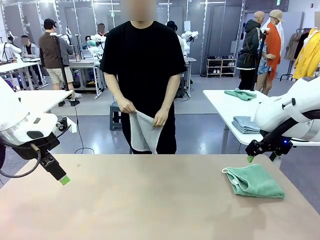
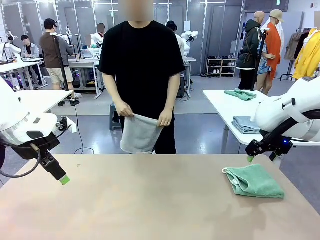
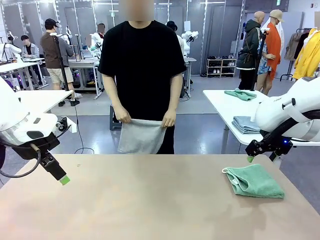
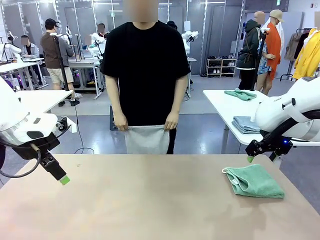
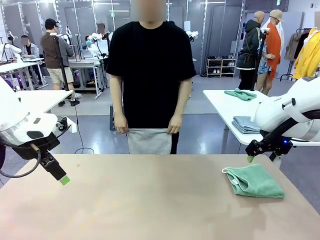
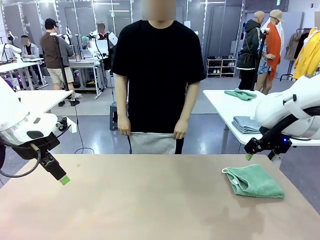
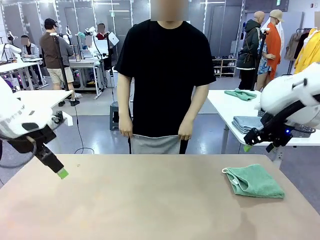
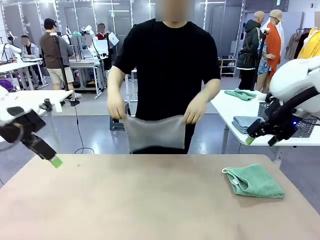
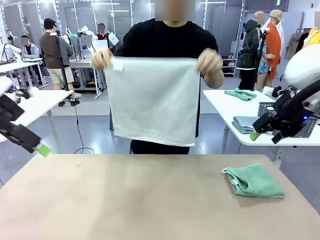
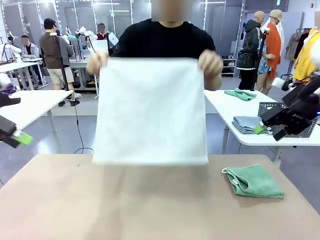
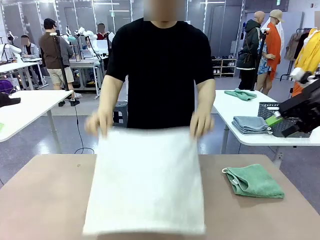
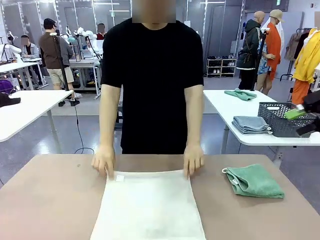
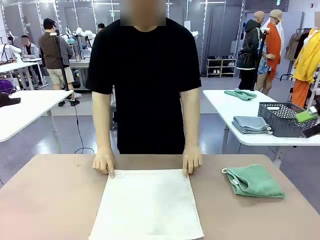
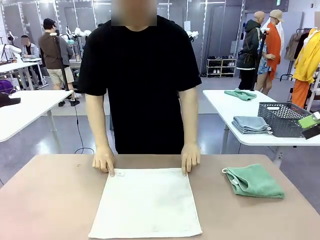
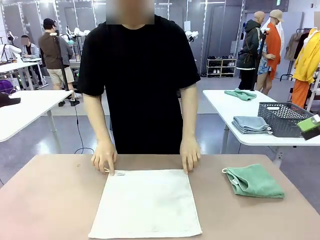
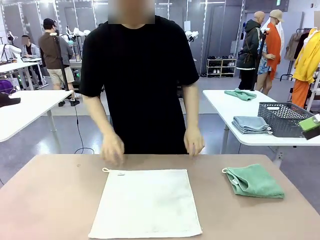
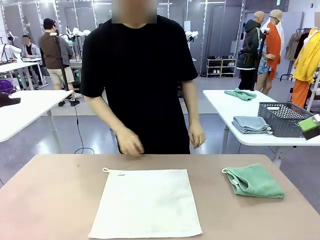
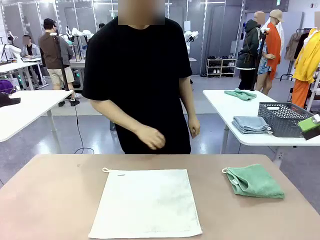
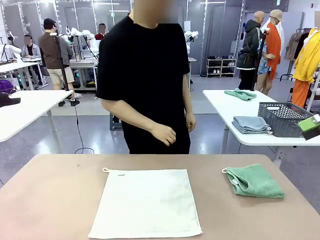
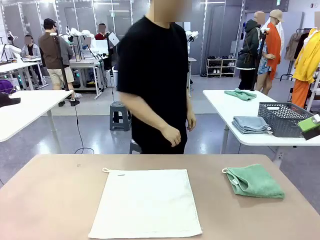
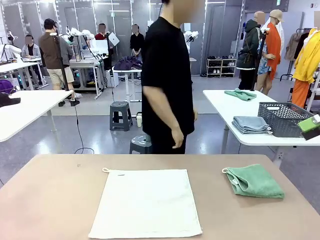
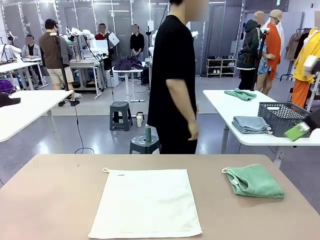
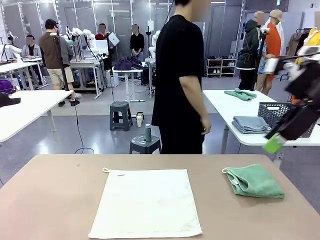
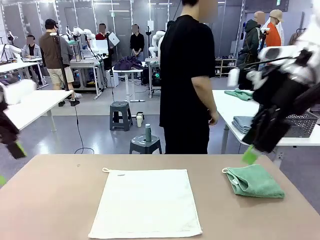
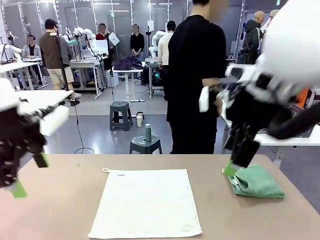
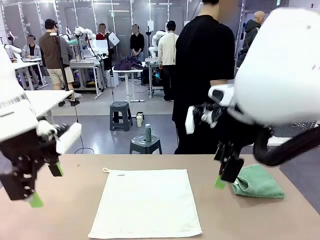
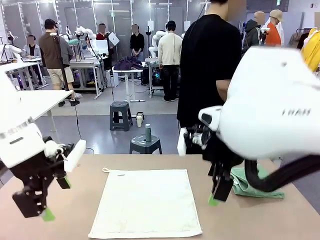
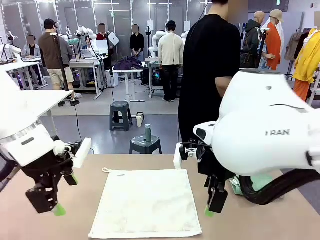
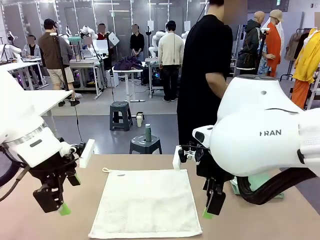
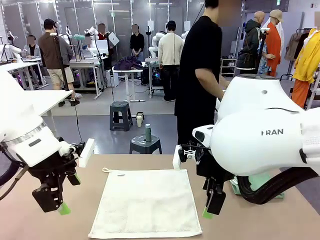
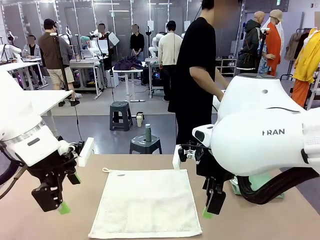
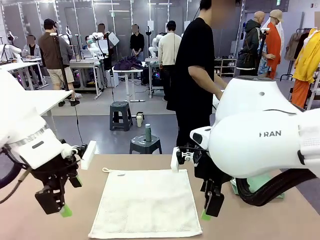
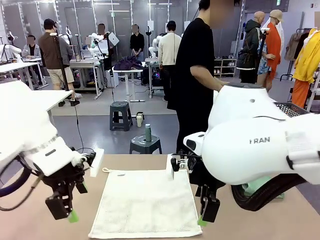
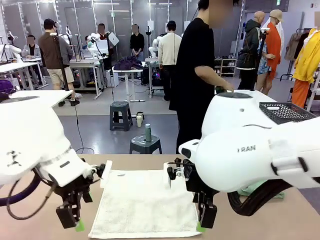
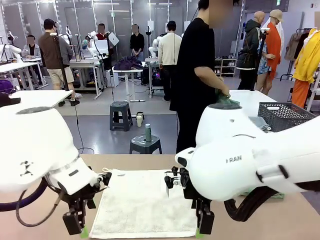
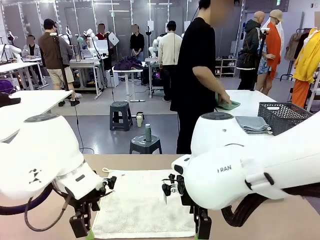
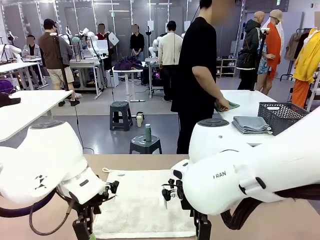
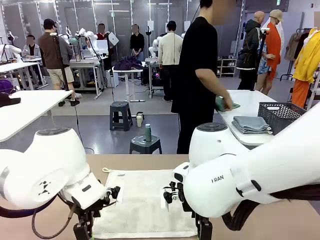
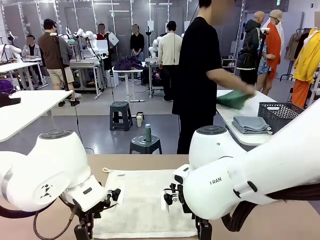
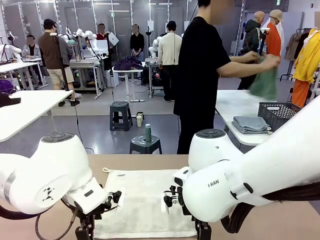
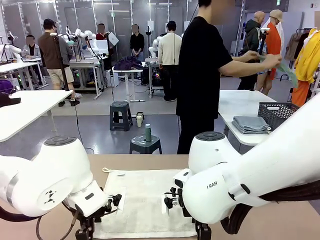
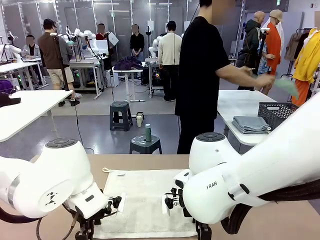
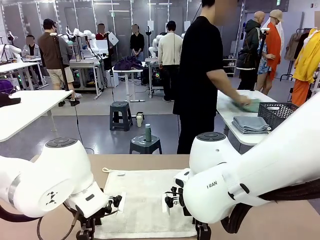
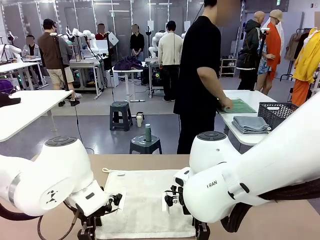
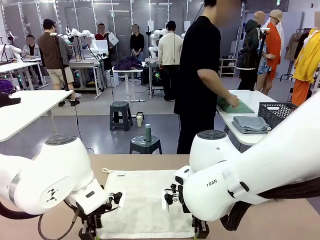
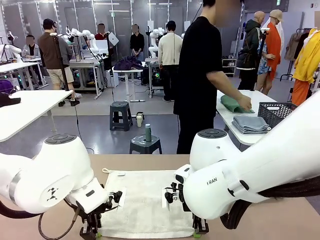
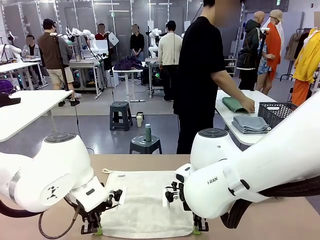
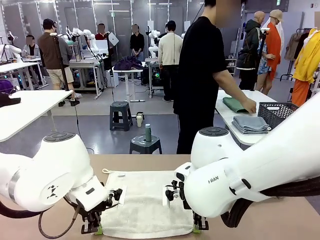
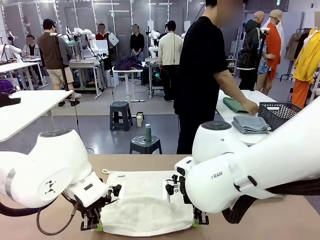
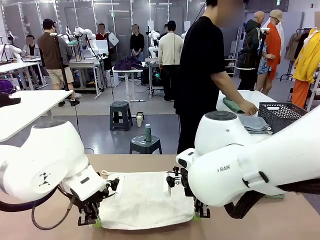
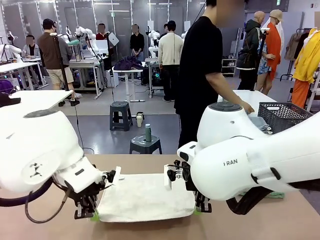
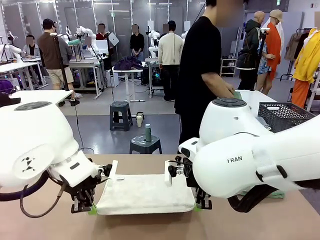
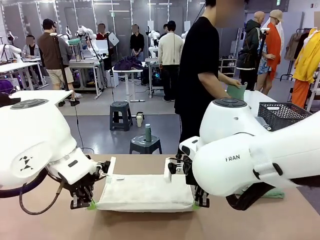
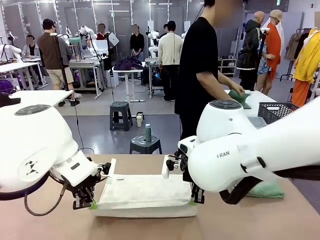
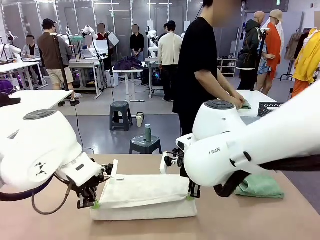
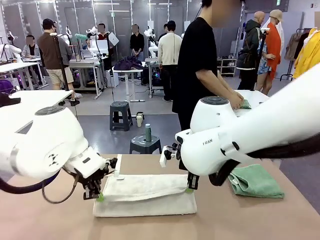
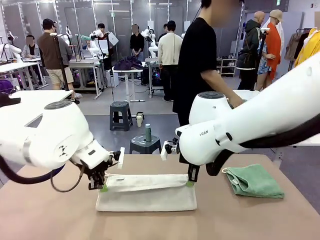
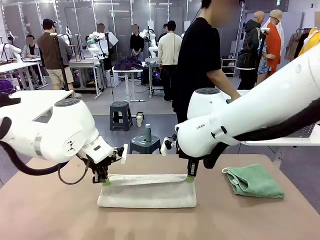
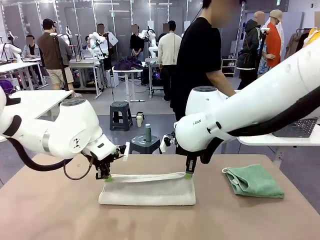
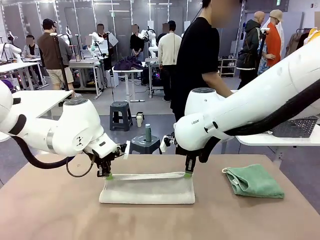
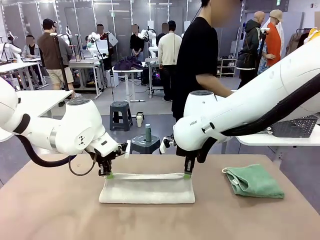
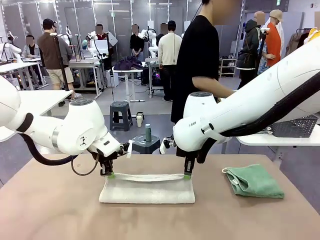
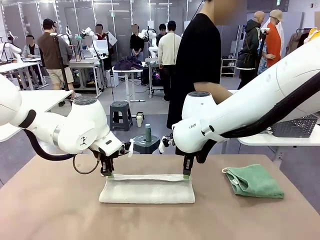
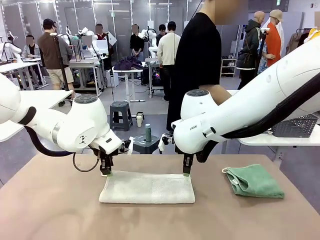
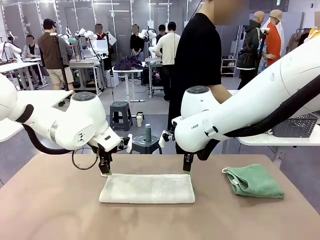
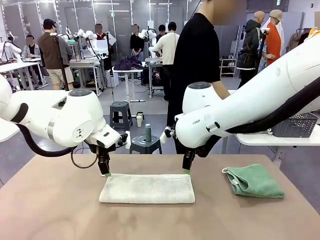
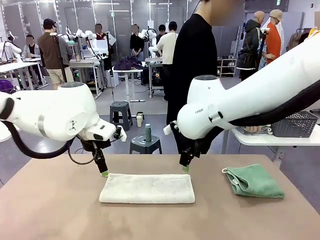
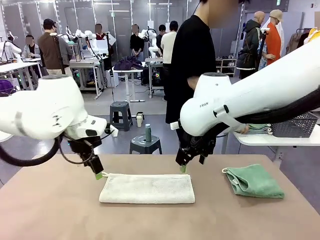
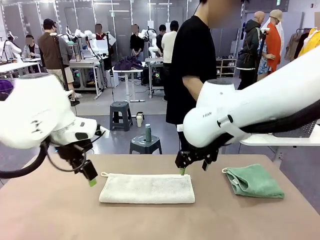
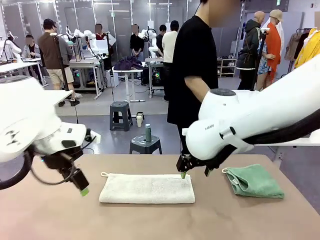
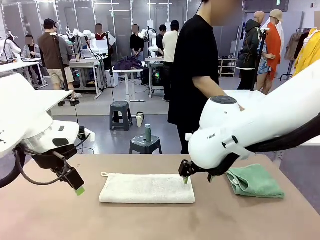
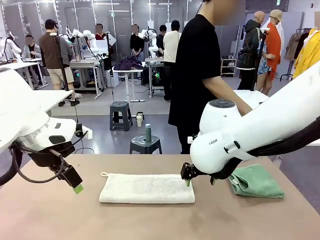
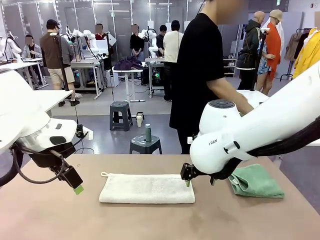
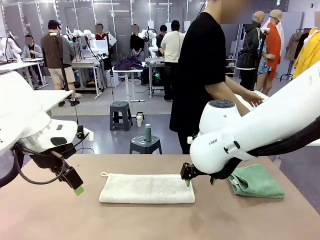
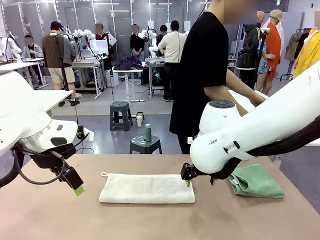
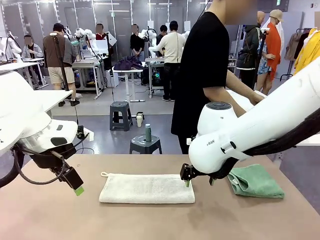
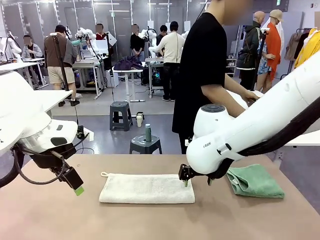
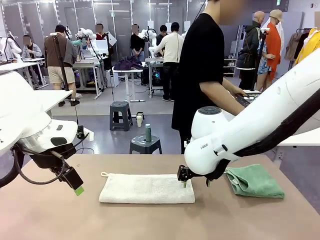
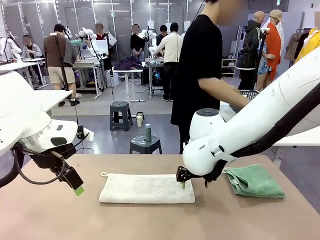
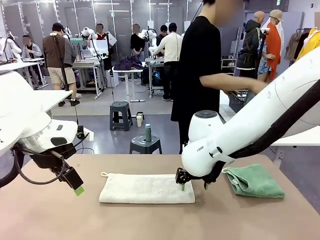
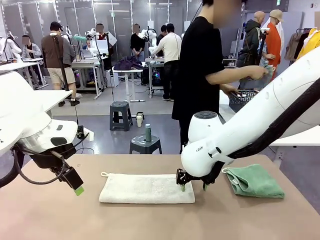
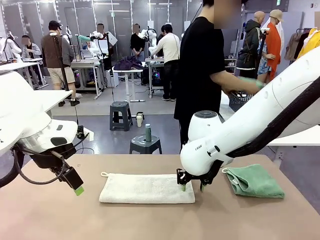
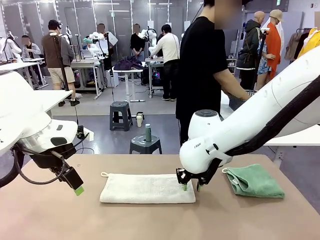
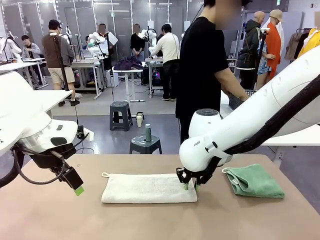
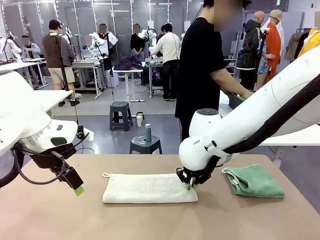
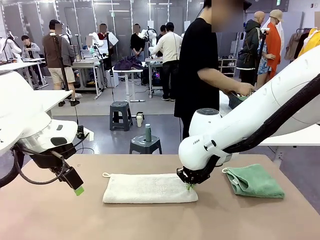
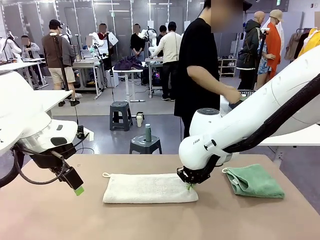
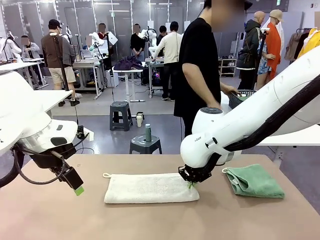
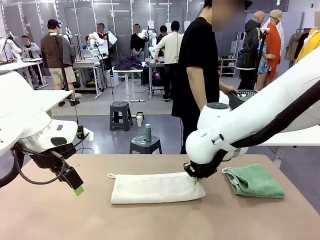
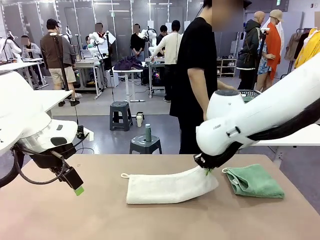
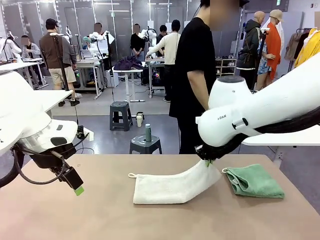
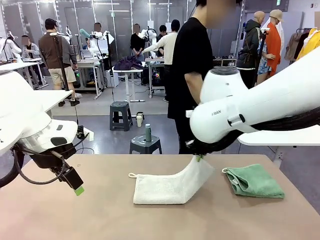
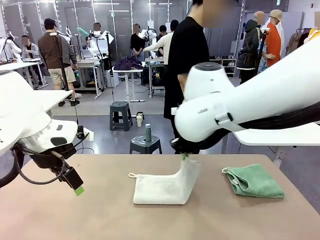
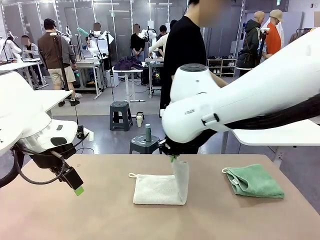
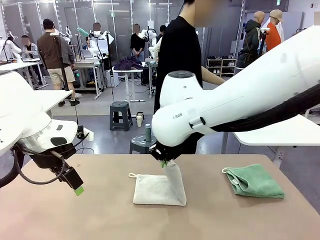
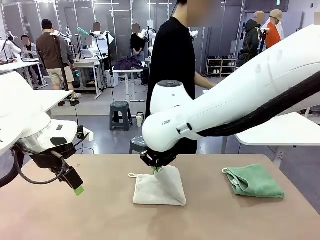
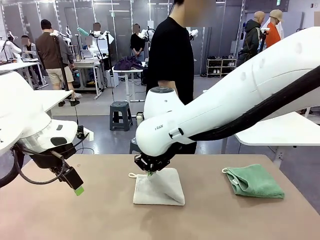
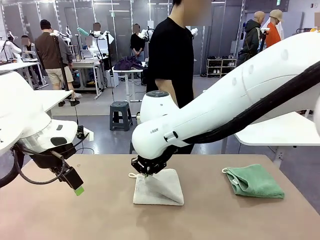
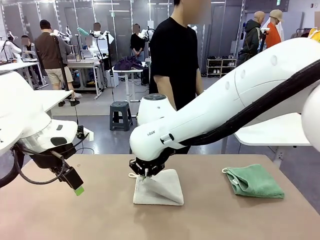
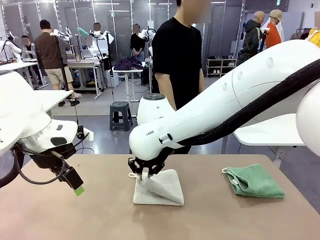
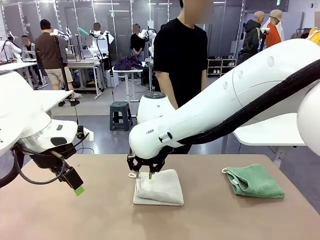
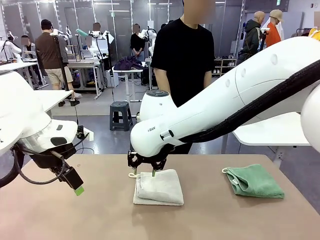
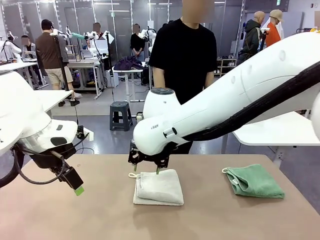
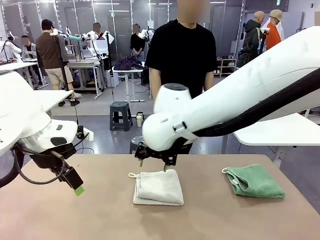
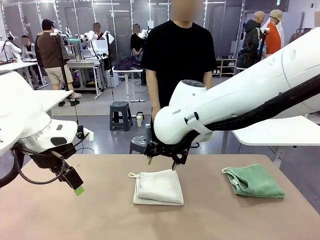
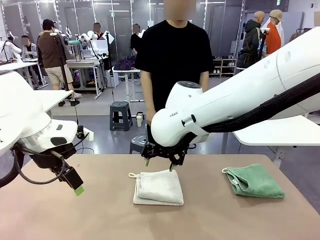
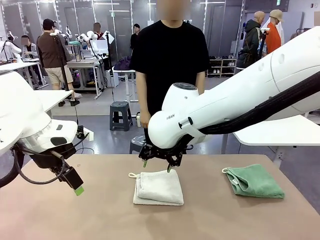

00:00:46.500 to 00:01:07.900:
Task: Fold the towels and place them in the basket.
Robot: When a person lays out a Towel with hook on the table, fold it in half twice.
Person: Pick up one towel from the left side of the human table, fold it in half twice, and stack it on the right side of the table. Pick up the stack of towels from the right side of the human table, place it into the basket, and put the basket at the center of the table.
